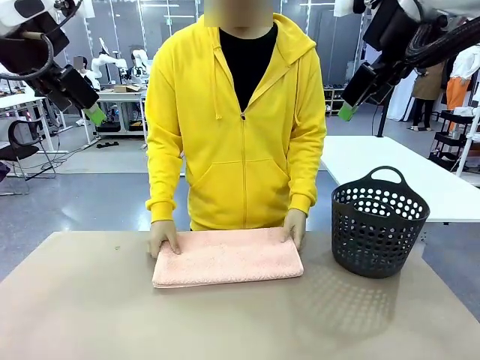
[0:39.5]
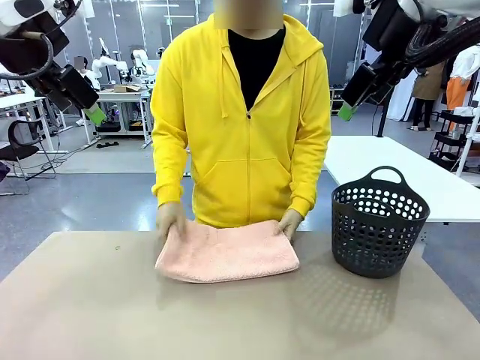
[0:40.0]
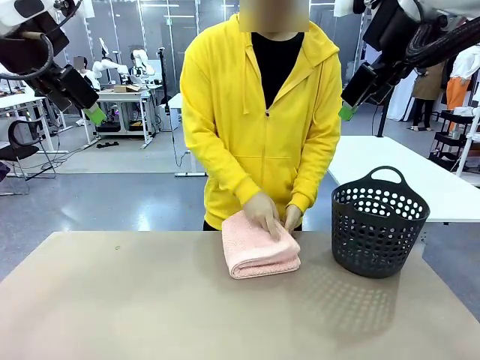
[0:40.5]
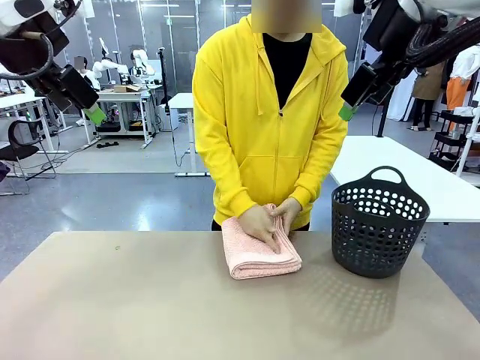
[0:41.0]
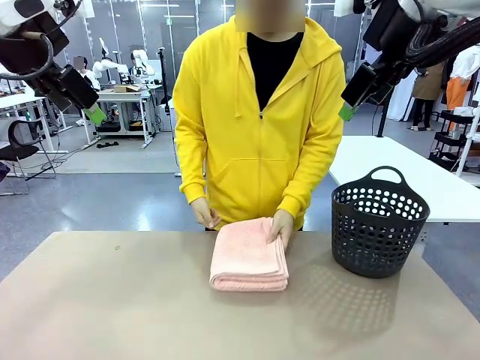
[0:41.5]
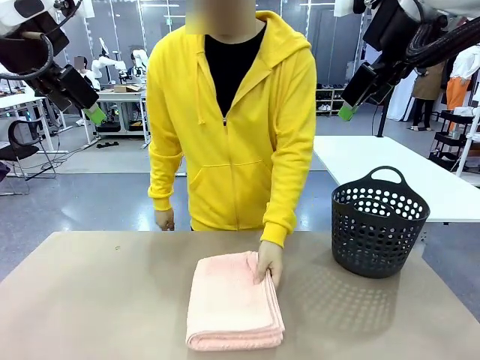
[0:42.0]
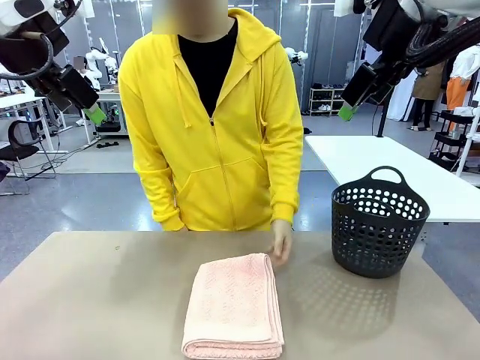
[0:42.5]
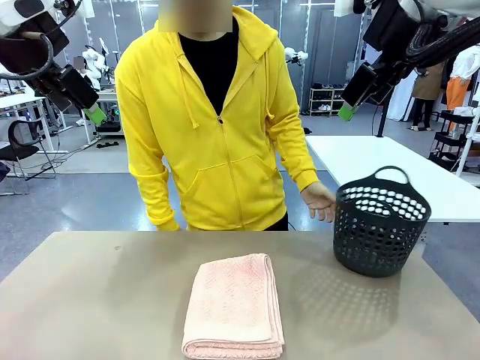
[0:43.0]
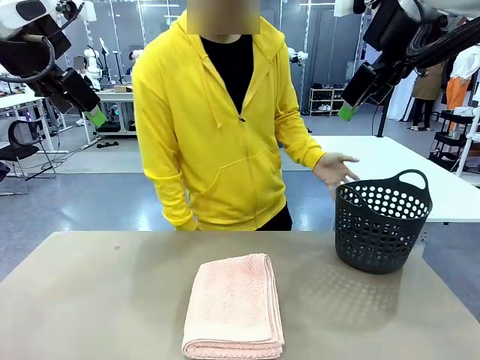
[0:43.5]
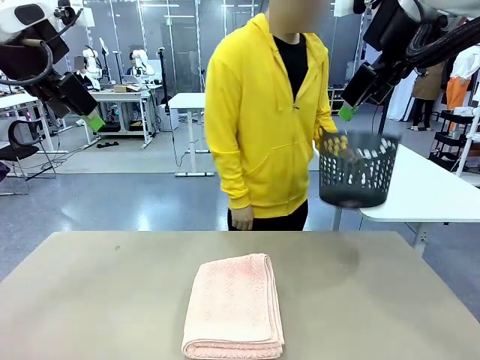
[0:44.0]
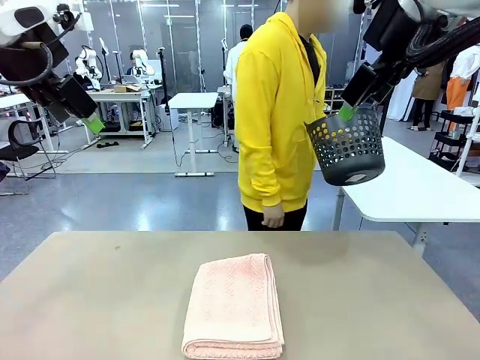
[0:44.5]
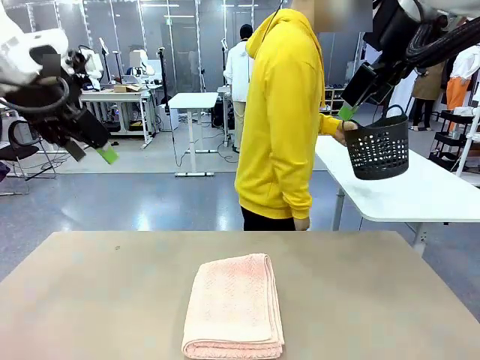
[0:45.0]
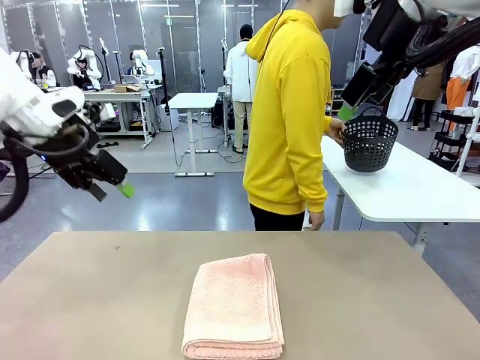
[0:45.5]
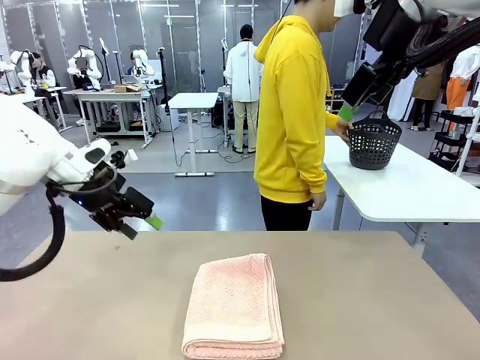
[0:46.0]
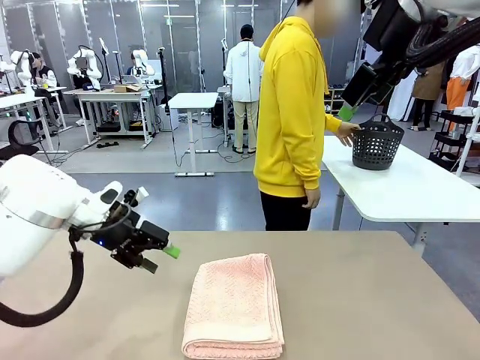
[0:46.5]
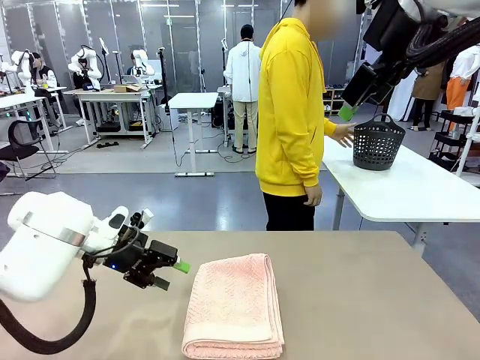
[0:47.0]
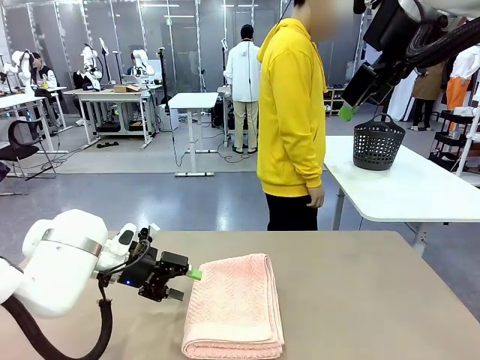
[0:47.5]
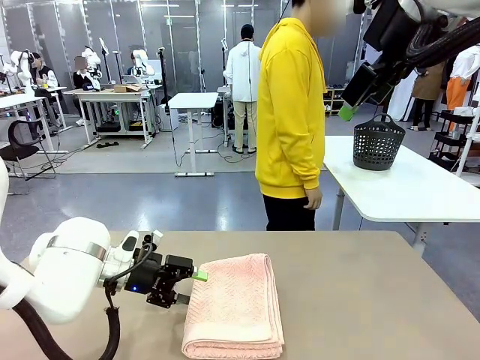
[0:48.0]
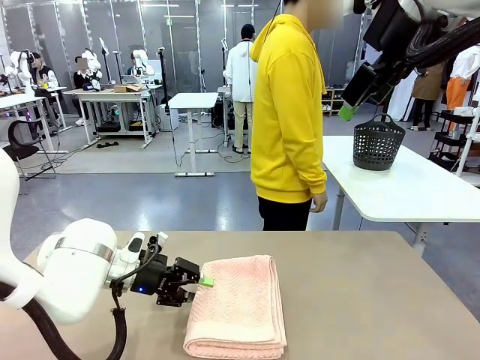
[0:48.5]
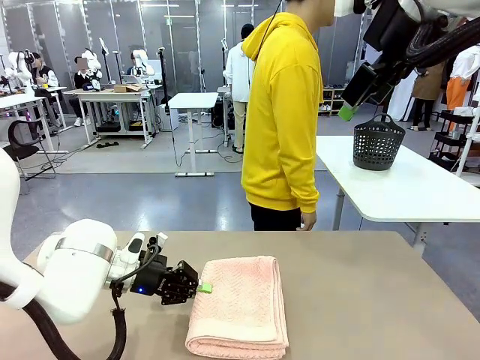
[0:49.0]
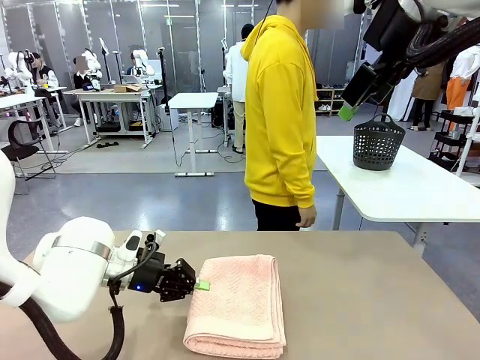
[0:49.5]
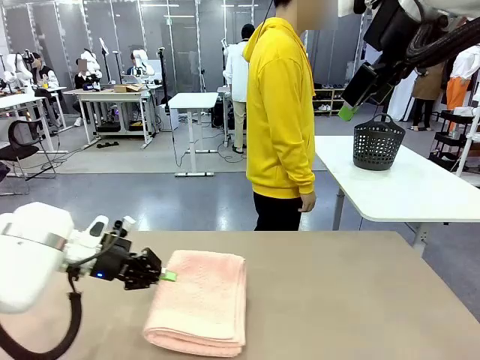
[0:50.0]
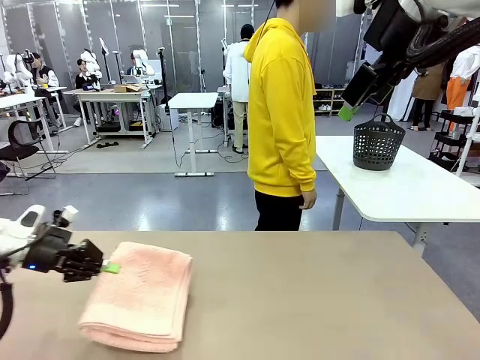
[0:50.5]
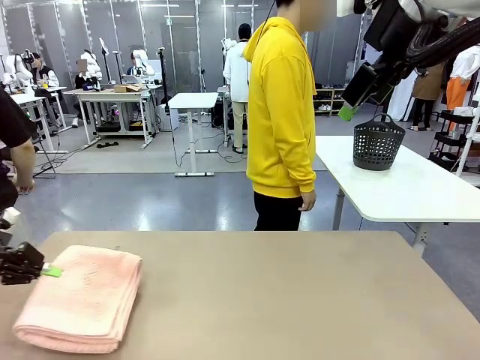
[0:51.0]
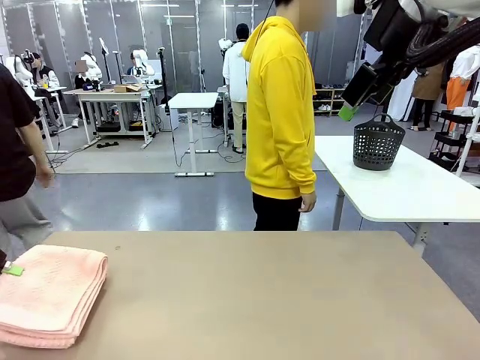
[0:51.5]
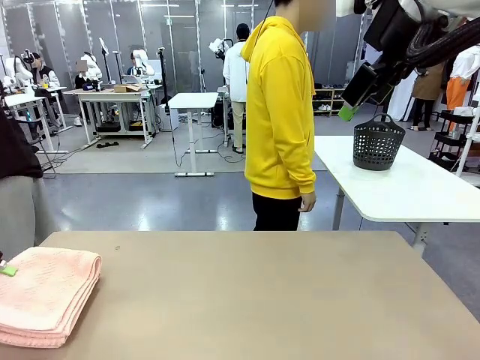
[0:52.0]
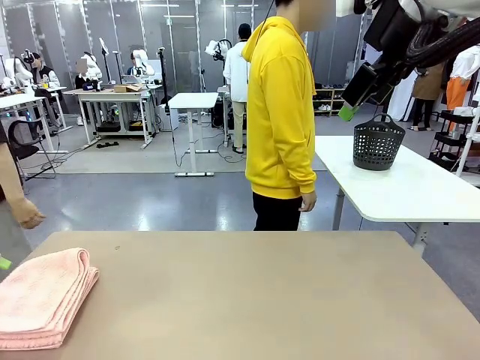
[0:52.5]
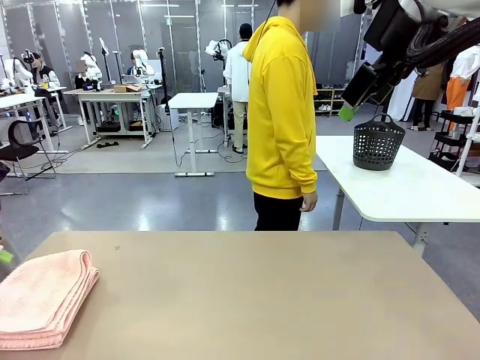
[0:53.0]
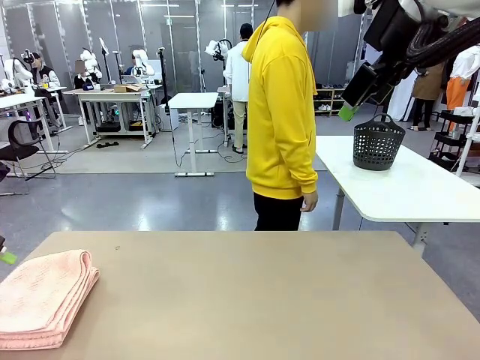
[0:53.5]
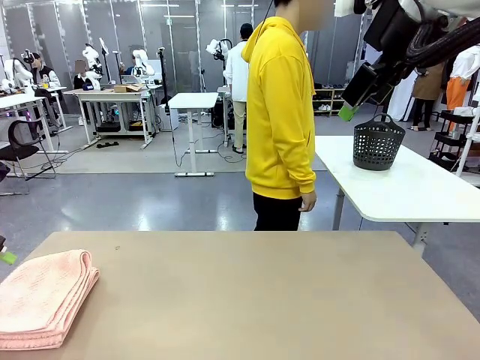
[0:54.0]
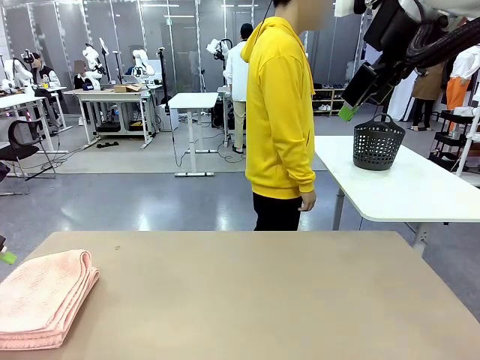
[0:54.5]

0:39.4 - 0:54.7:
Task: Fold the towel.
Robot: Pick up the 100 cm Hotel Towel and place it on the left side of the table.
Person: Place the towel at the center of the robot table and fold it in half. Pick up the laundry basket and place it at the center of the human table.

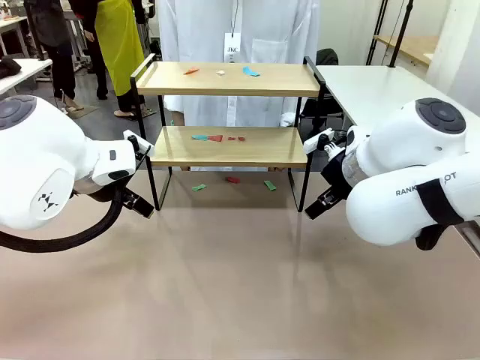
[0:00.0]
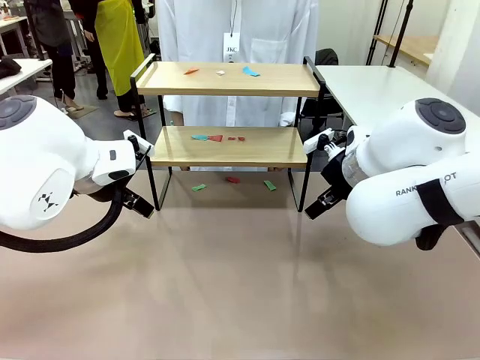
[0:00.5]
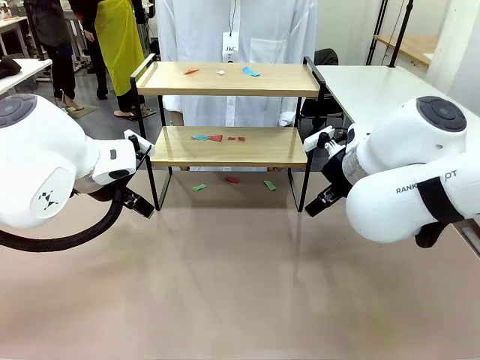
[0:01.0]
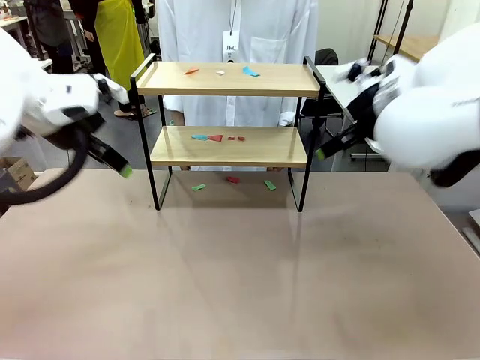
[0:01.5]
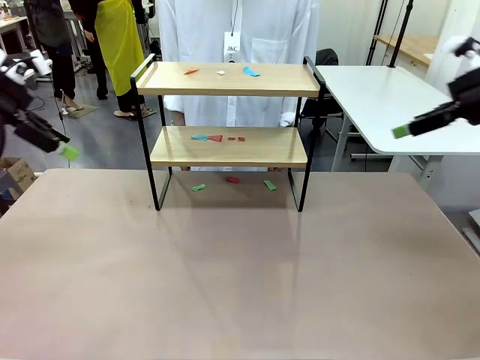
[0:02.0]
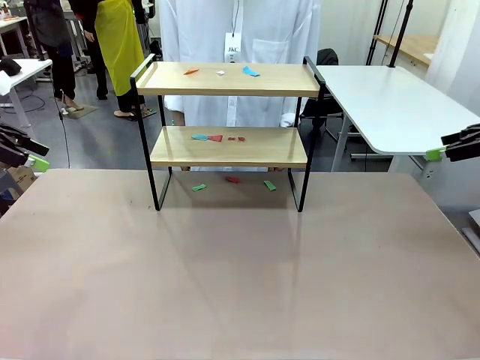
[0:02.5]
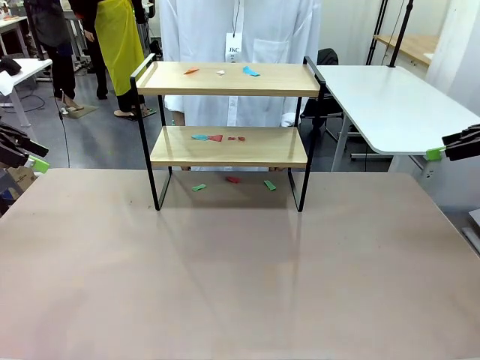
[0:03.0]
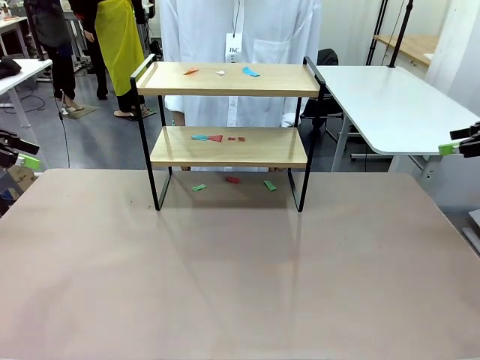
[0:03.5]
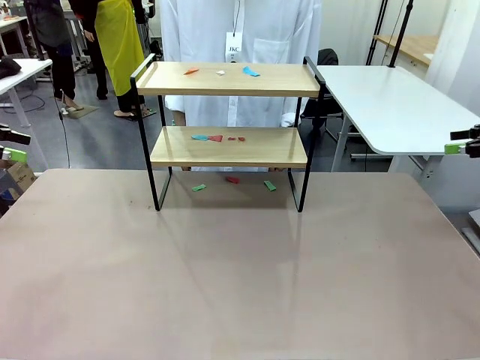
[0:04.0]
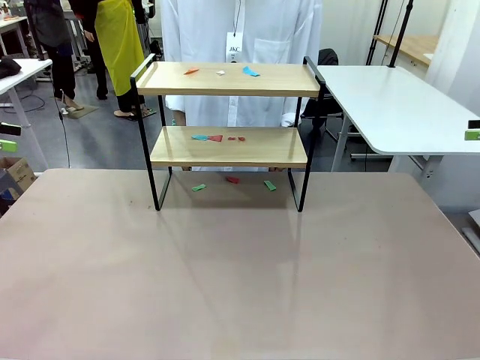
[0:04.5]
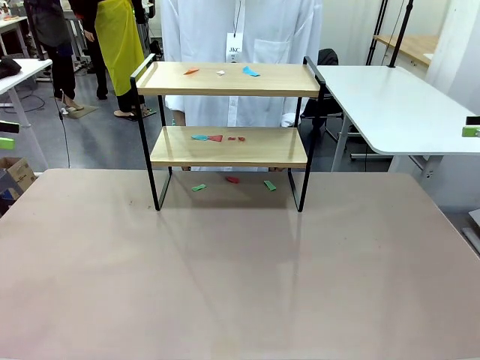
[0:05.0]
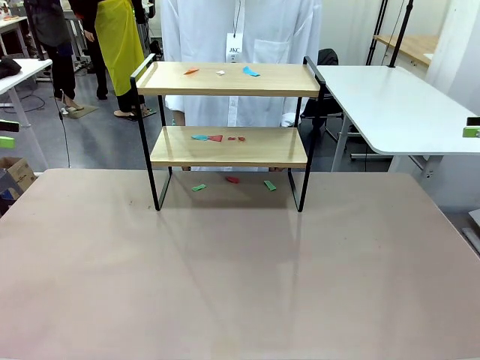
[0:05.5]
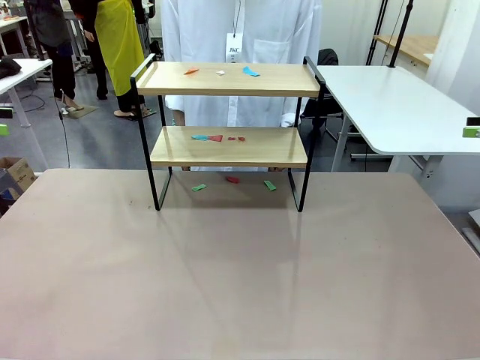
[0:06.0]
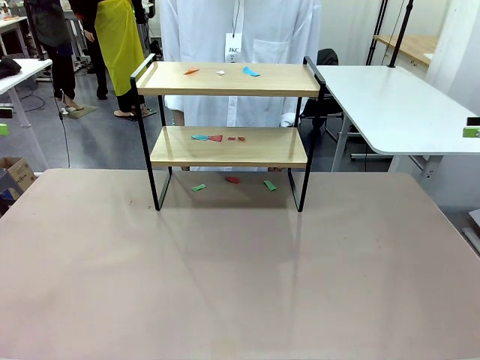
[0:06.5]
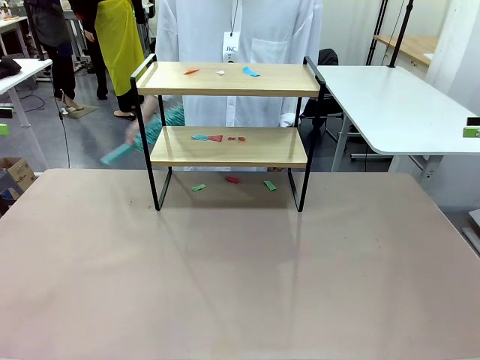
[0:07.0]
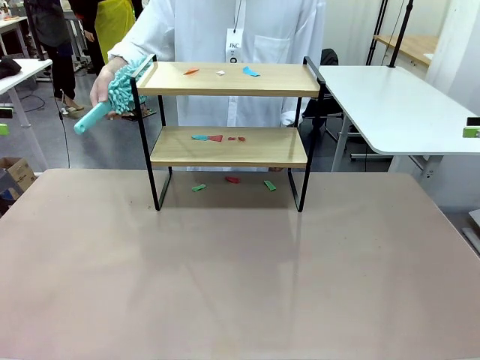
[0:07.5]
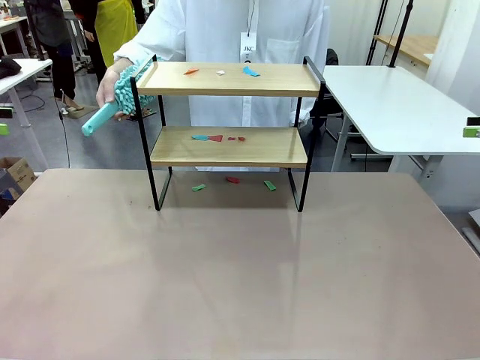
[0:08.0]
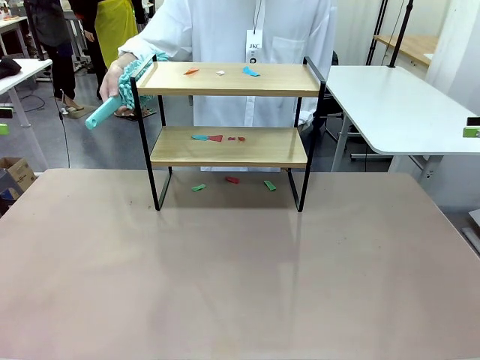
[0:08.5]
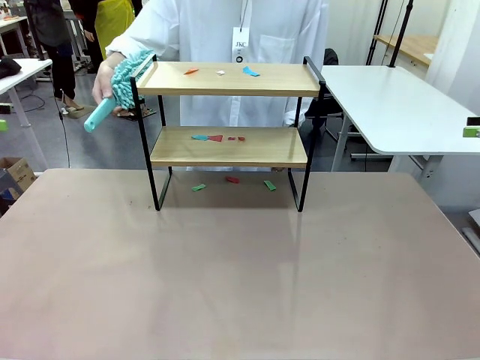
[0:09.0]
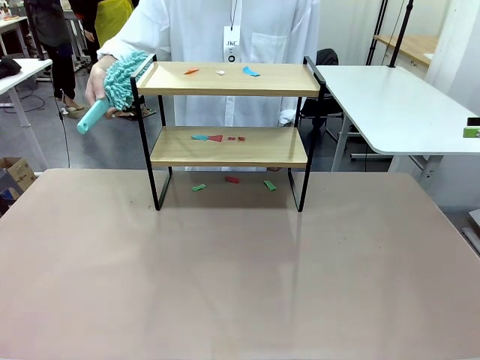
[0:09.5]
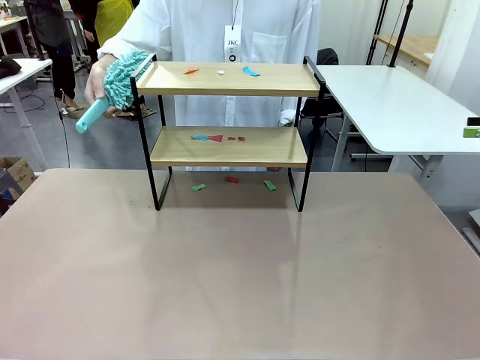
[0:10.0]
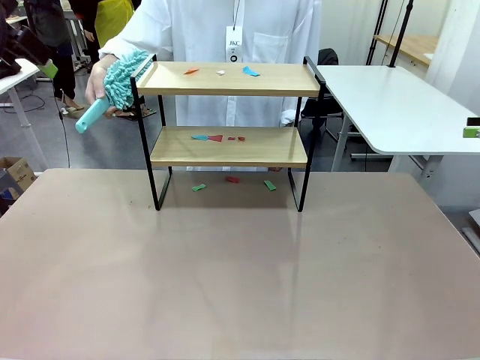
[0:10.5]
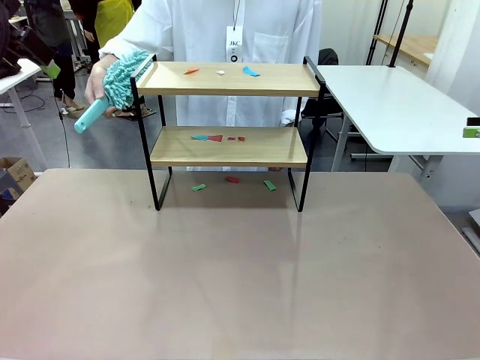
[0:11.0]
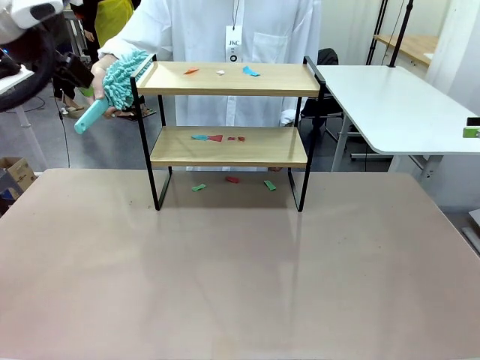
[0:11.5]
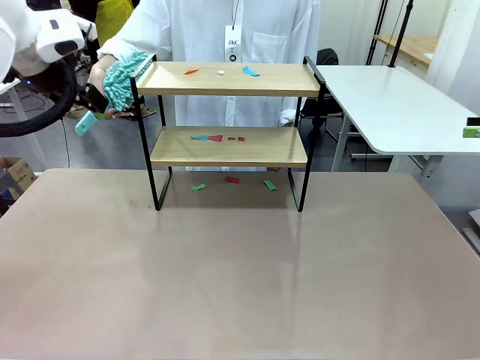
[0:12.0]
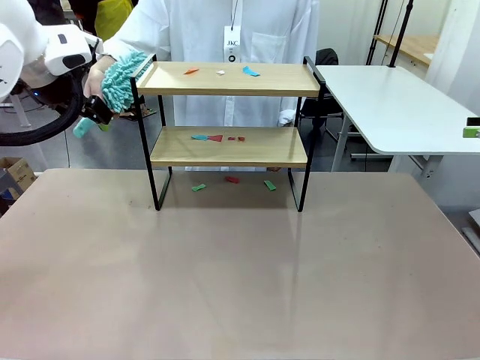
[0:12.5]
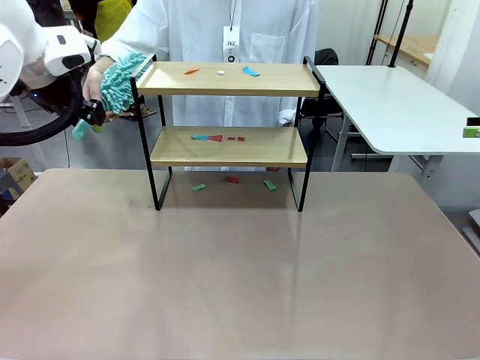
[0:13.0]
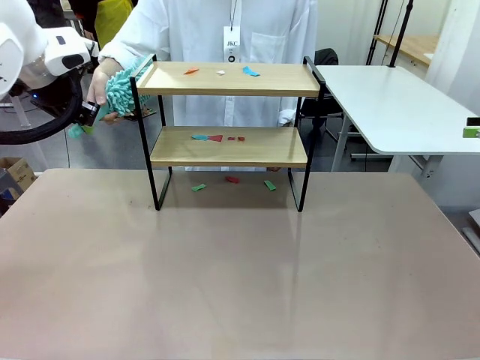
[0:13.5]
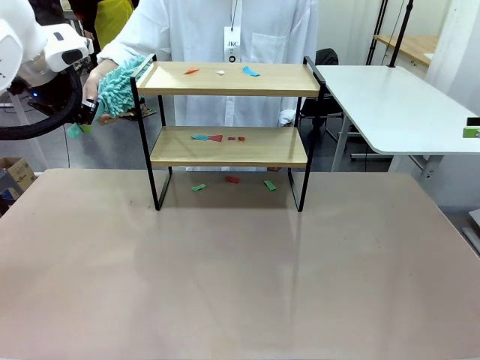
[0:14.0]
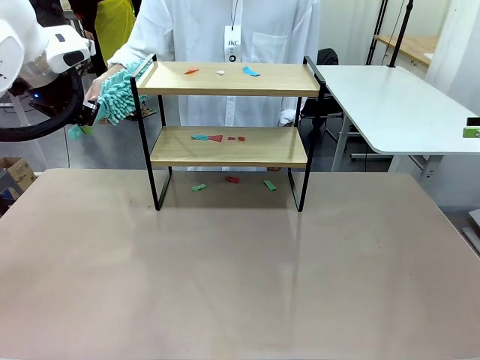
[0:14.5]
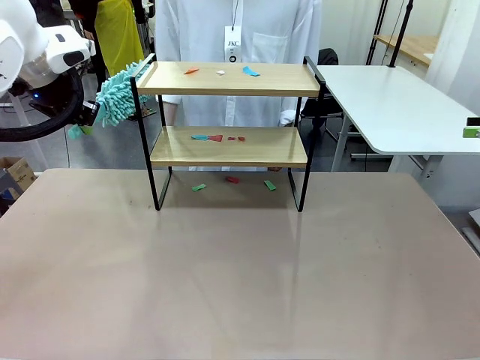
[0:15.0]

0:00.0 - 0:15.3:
Task: Clean the shelf.
Robot: Pick up the Duster handed by the human.
Person: Hand the Duster to the robot.
